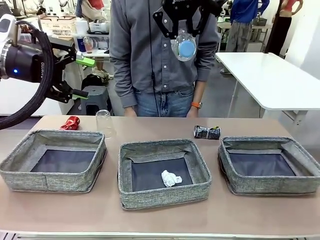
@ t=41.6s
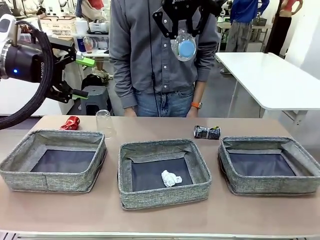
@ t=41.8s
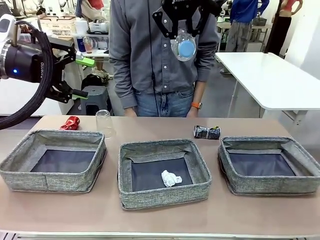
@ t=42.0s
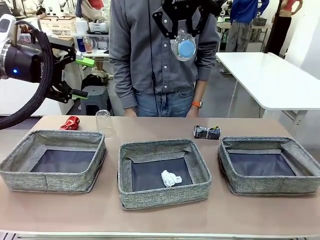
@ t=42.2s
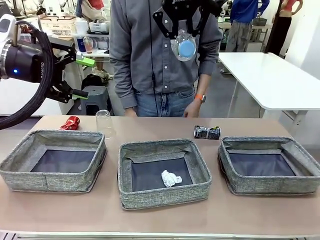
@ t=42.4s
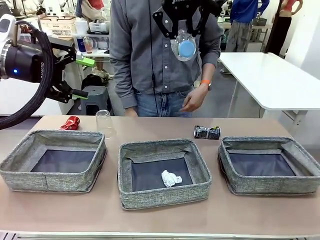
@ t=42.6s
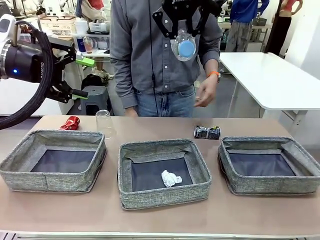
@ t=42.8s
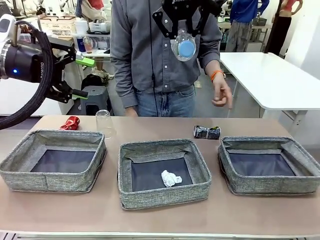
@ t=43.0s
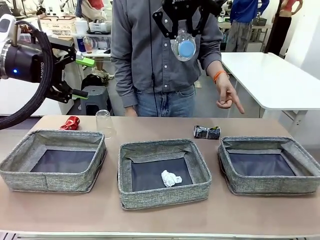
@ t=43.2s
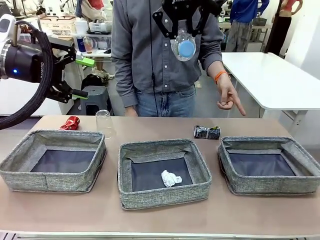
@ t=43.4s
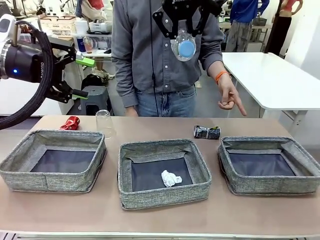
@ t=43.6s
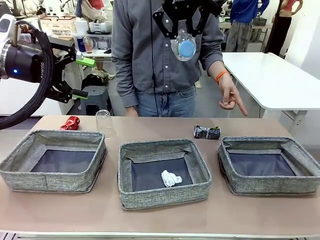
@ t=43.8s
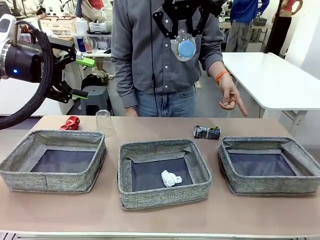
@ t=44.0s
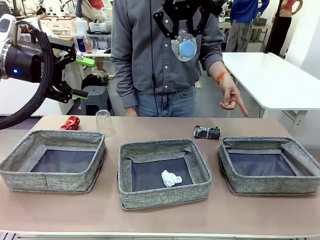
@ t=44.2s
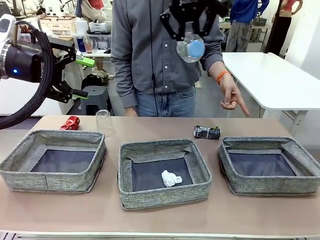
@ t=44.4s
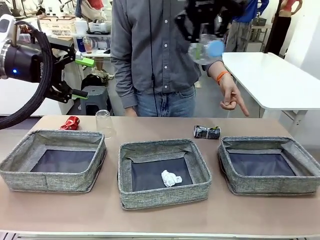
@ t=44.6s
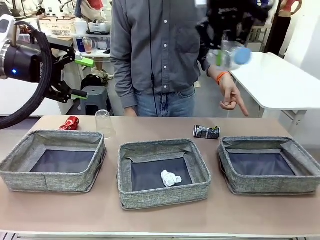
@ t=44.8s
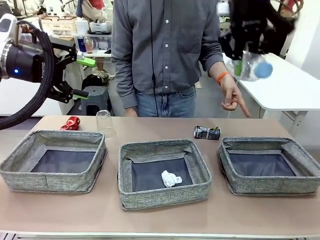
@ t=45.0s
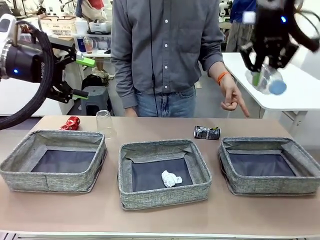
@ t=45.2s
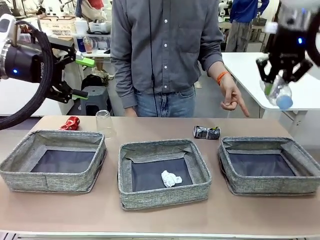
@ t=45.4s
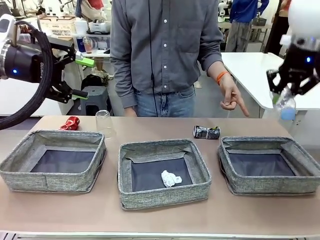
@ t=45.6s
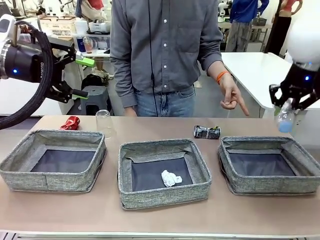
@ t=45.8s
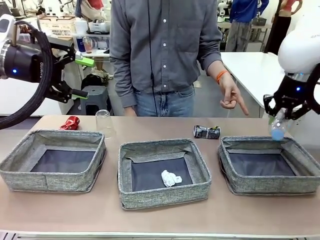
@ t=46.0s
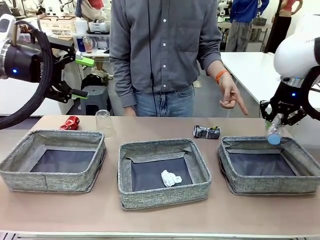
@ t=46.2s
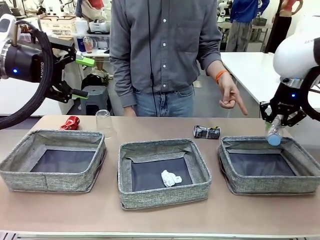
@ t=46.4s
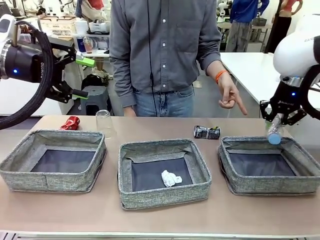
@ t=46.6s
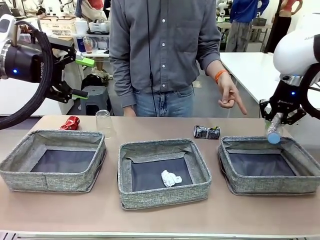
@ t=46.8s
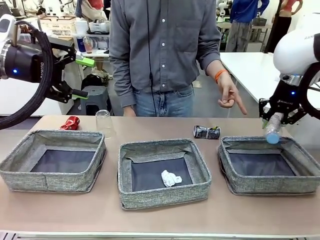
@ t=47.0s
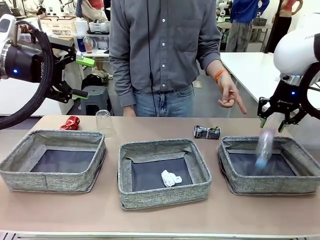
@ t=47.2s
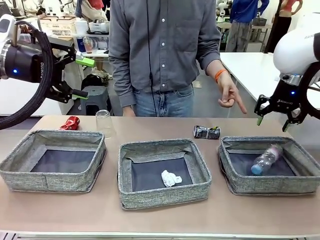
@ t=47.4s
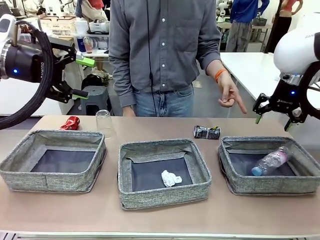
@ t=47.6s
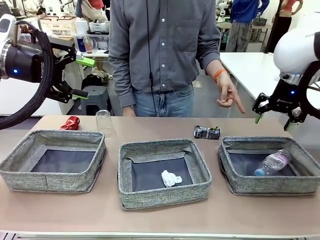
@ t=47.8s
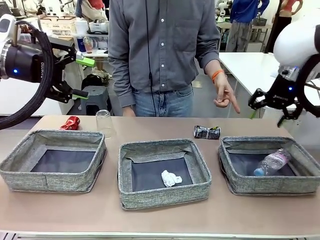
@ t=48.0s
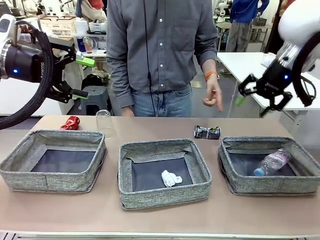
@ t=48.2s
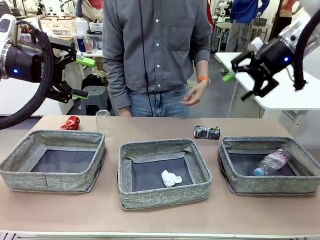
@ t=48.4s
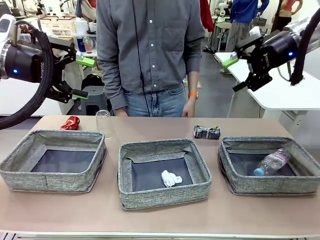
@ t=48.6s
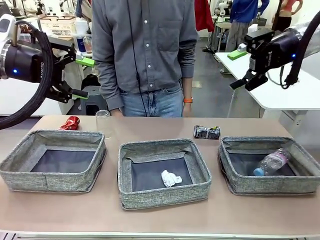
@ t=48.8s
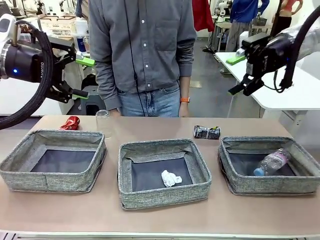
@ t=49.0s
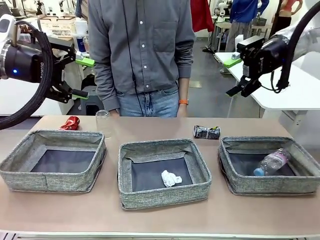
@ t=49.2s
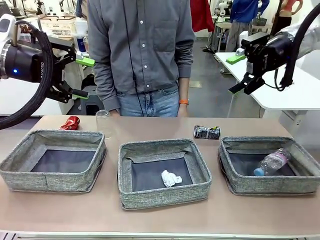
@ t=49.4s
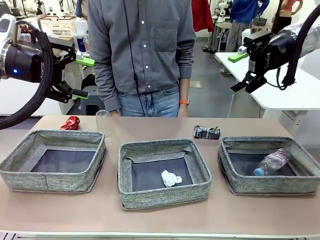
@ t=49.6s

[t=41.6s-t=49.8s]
Task: Sort the waste into the appropriate baskets.
Robot: Place the picked waste into the Fabric basket indicated by the person.
Person: Instructs the robot to place the picked-up trash into the appropriate organizing basket.

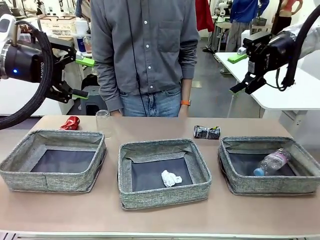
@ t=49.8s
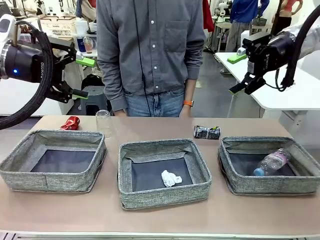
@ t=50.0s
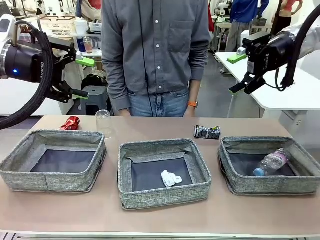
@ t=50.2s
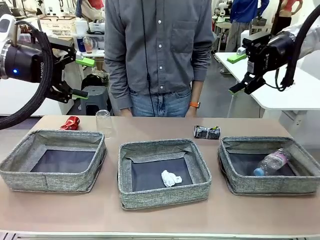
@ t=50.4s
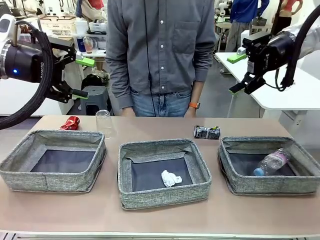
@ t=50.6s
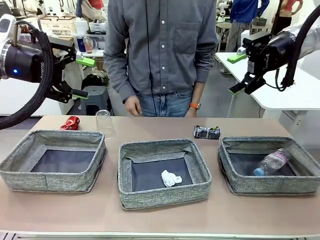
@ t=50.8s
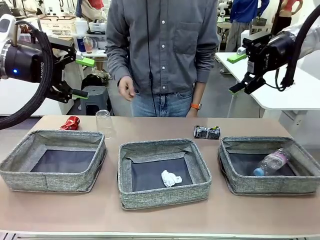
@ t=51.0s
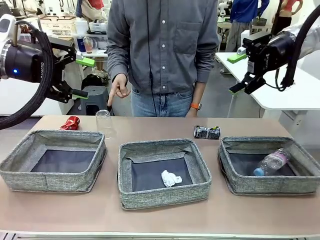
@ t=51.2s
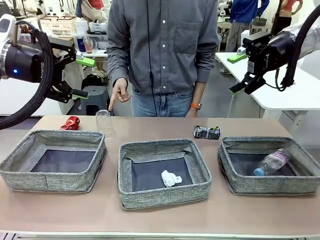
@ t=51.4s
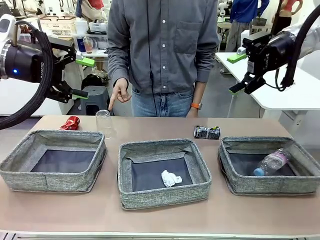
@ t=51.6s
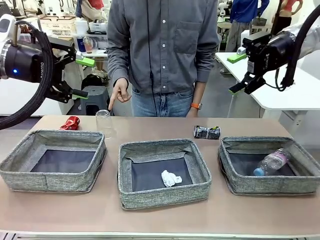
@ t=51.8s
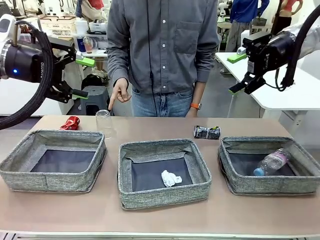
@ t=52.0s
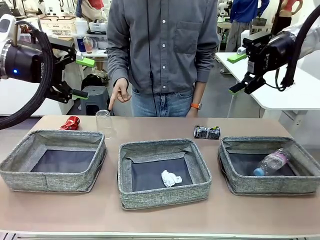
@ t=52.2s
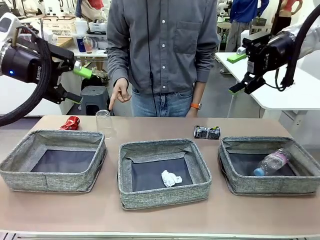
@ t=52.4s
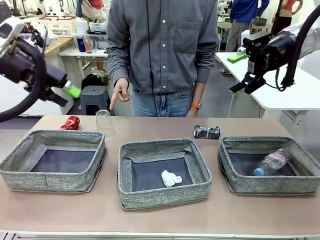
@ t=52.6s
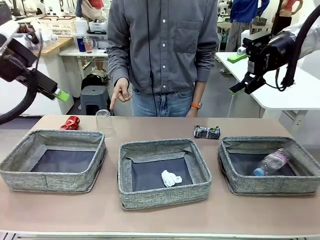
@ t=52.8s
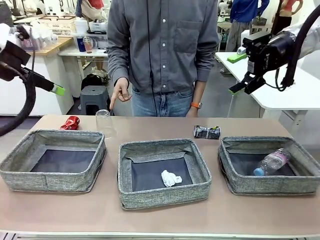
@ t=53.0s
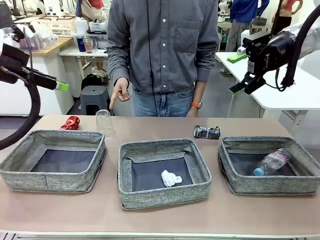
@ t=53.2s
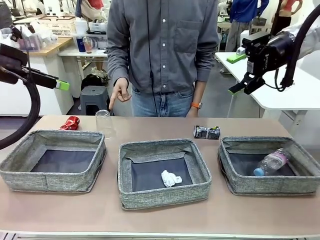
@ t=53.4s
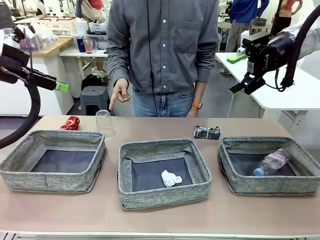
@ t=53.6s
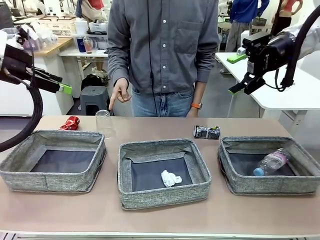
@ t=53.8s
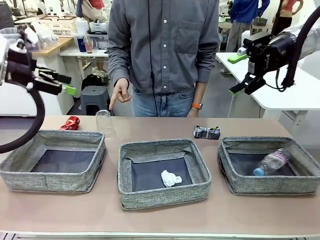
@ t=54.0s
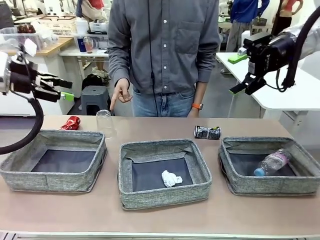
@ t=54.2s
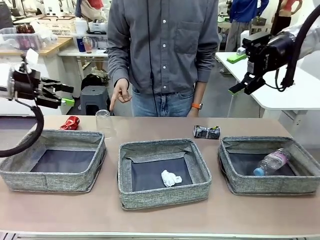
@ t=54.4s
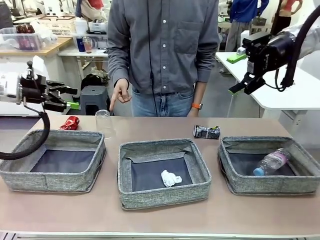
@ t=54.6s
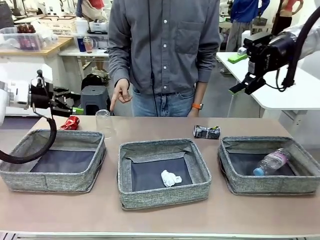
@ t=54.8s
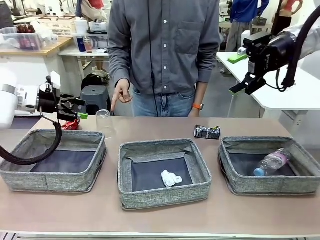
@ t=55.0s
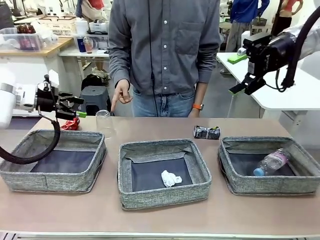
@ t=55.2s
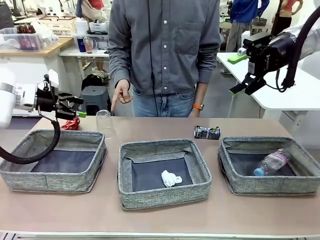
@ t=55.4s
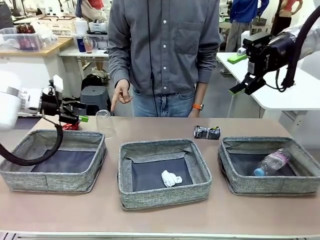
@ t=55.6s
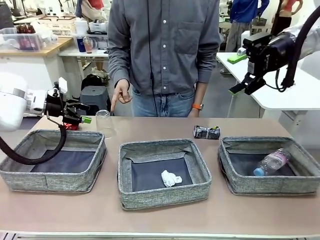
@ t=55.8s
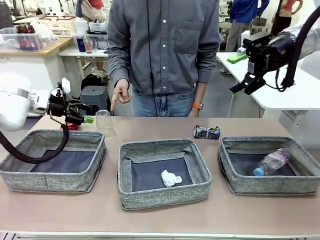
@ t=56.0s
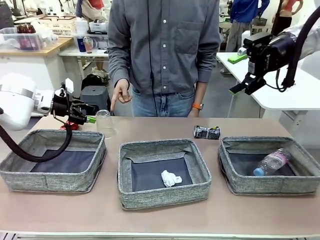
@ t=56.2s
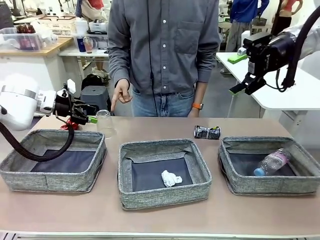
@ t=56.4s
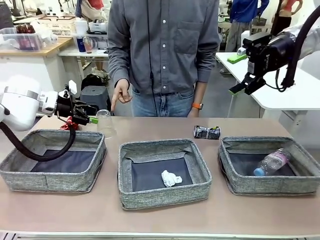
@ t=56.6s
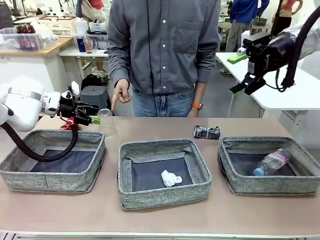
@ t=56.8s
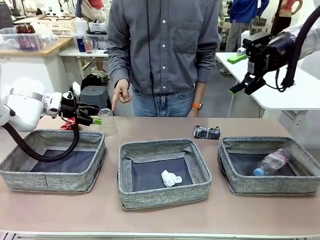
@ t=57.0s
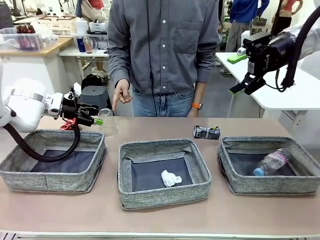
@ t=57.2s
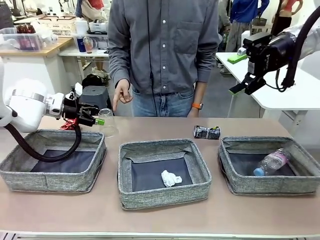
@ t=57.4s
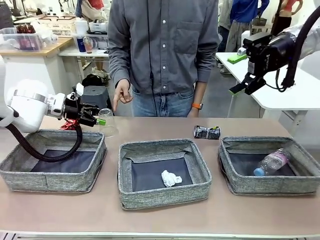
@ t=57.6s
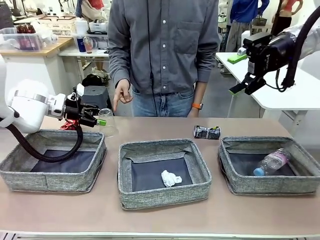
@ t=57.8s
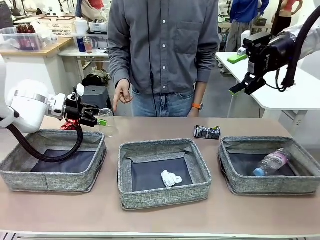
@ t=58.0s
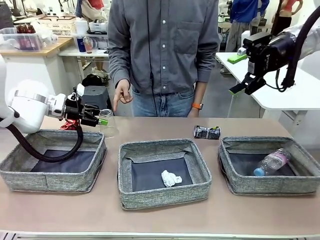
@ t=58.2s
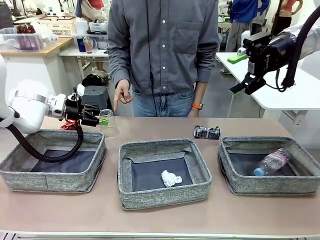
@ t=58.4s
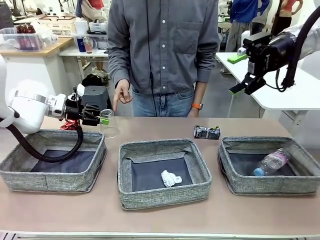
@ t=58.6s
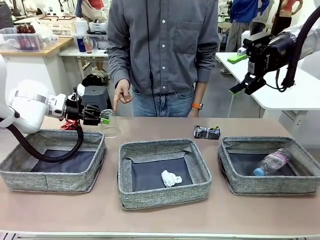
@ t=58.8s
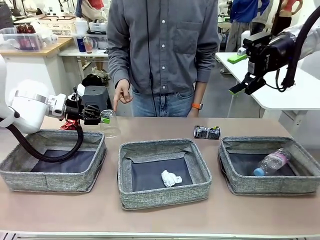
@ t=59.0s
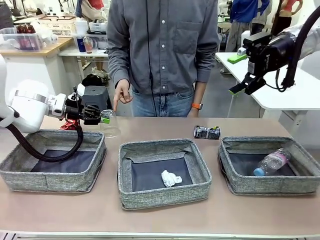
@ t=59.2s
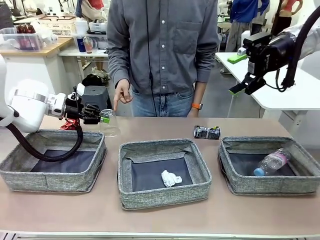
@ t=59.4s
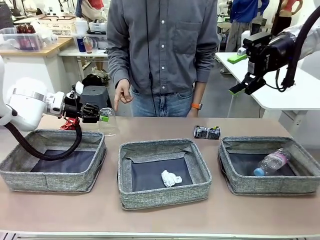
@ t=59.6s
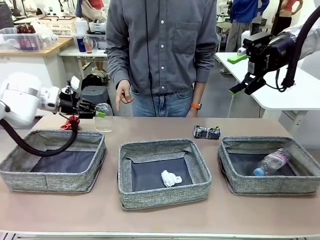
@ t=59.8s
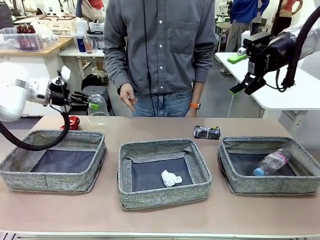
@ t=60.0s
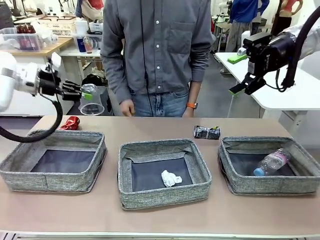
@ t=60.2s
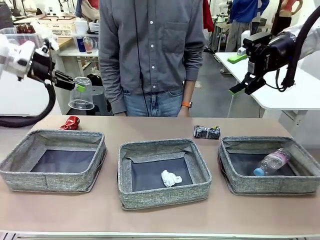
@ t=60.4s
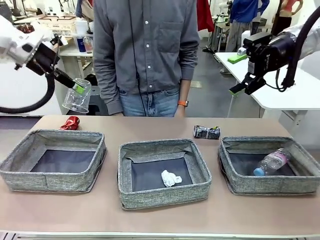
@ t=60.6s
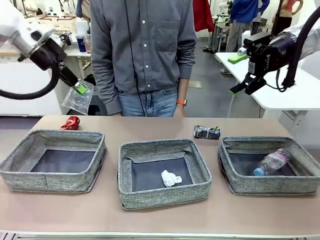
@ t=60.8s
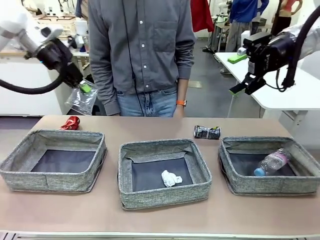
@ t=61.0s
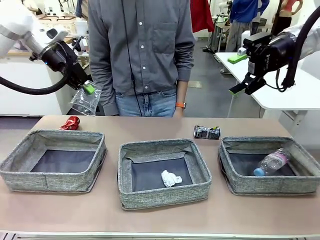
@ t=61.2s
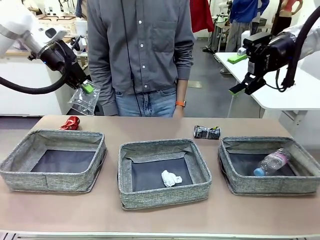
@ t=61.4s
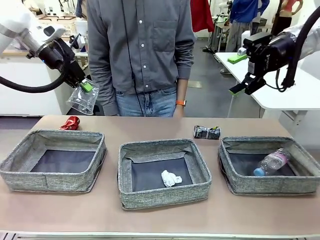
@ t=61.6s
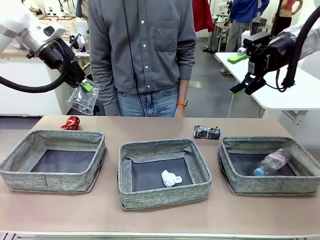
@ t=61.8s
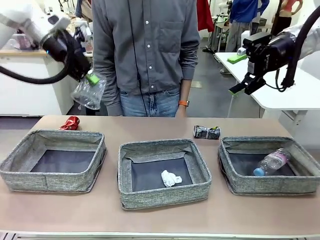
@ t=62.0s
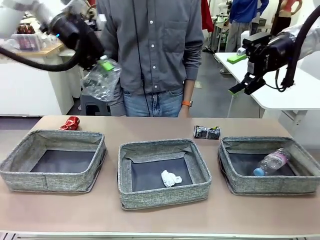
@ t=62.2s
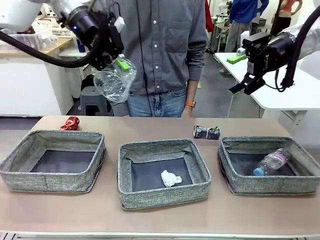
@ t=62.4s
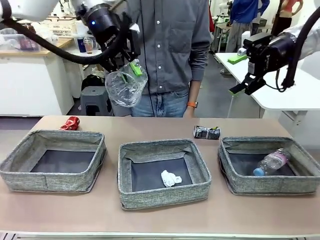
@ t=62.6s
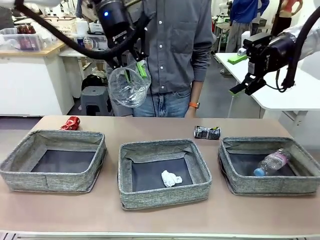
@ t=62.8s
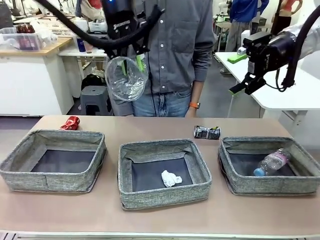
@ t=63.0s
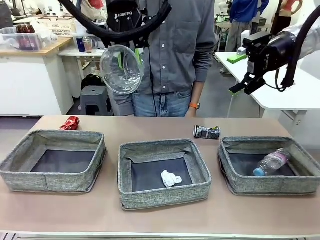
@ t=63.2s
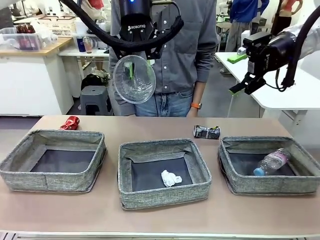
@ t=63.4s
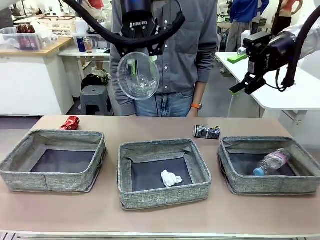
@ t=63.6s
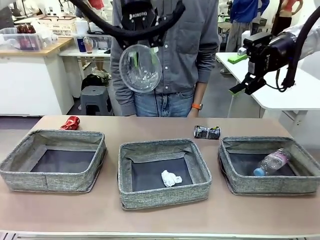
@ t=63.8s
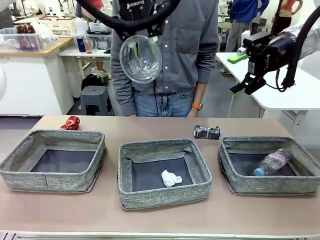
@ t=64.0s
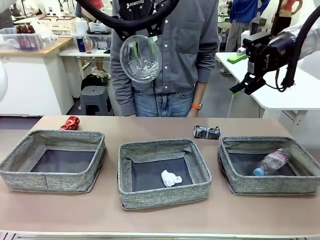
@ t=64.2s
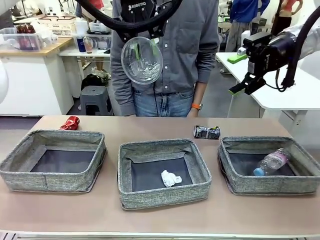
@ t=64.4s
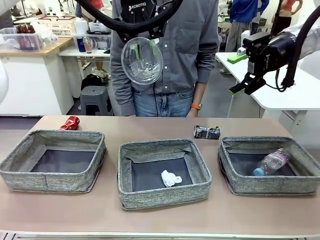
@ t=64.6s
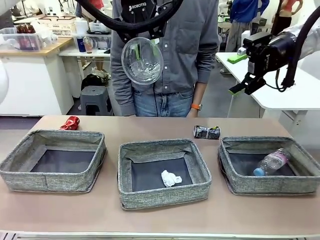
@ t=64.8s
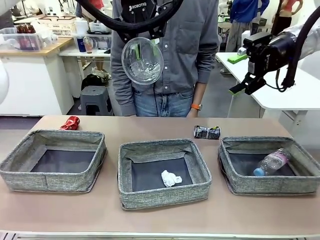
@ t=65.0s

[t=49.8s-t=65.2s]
Robot: Pick up the waste item pointed out by the person.
Person: Points to one piece of trash on the table.
